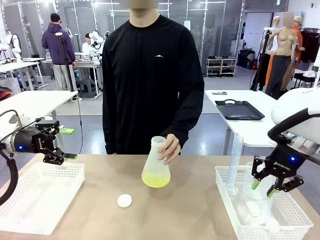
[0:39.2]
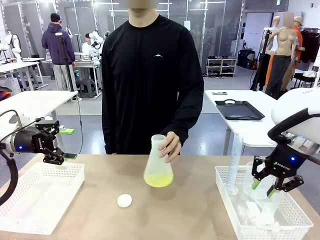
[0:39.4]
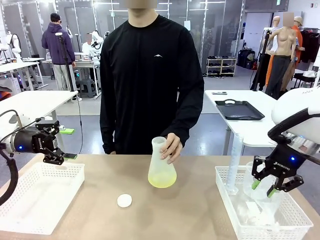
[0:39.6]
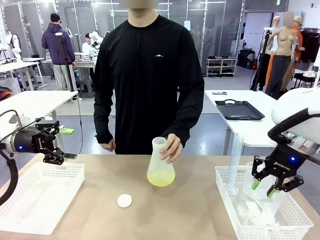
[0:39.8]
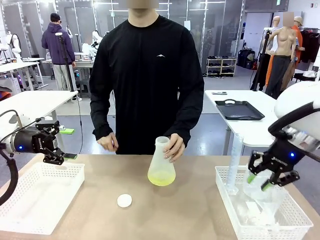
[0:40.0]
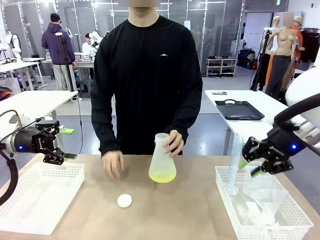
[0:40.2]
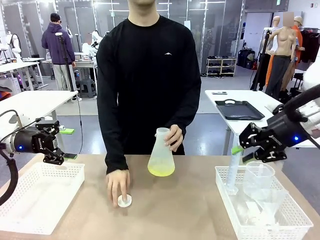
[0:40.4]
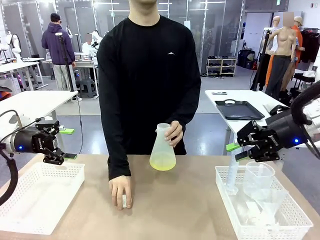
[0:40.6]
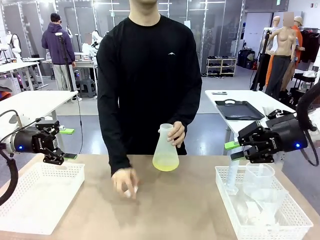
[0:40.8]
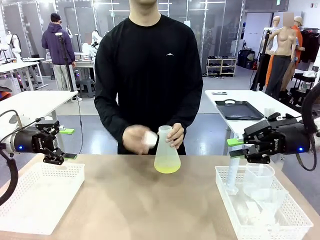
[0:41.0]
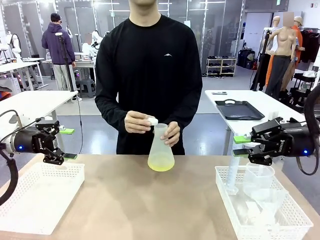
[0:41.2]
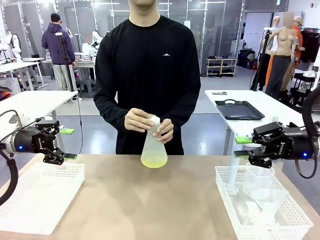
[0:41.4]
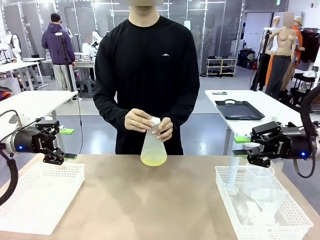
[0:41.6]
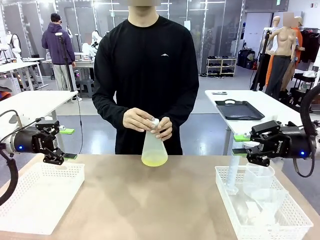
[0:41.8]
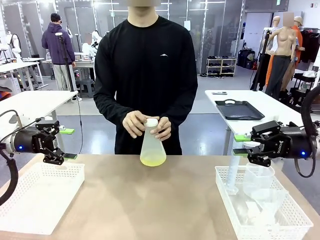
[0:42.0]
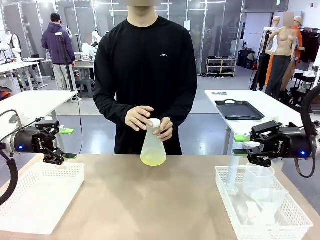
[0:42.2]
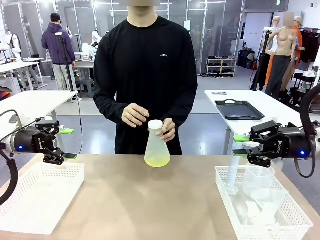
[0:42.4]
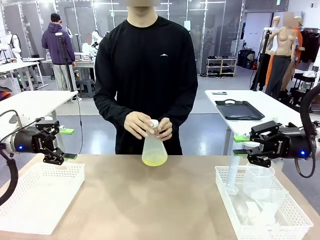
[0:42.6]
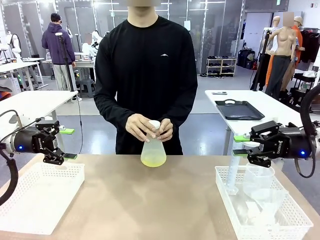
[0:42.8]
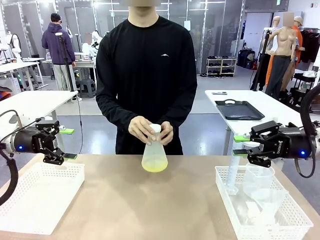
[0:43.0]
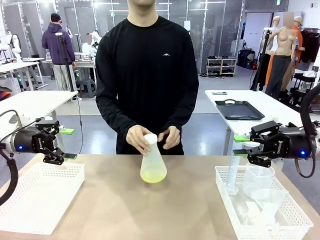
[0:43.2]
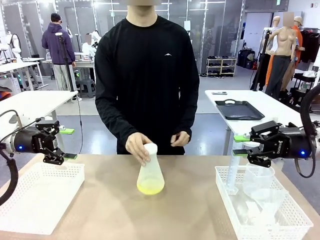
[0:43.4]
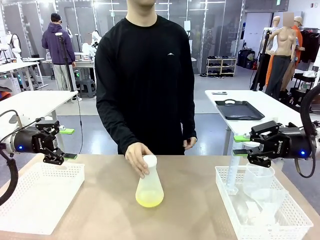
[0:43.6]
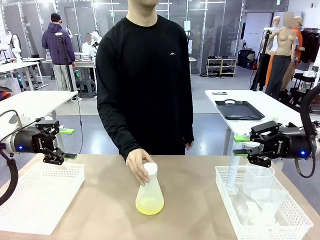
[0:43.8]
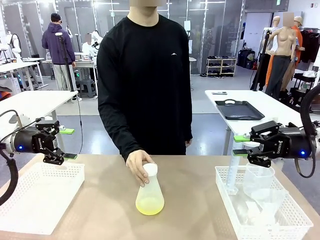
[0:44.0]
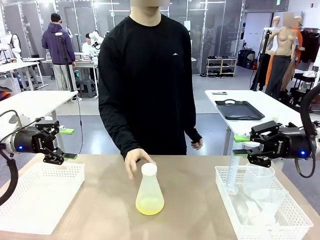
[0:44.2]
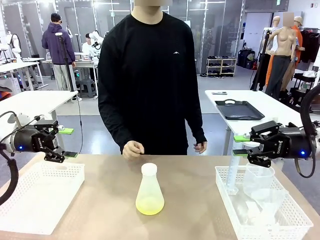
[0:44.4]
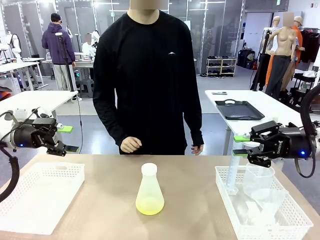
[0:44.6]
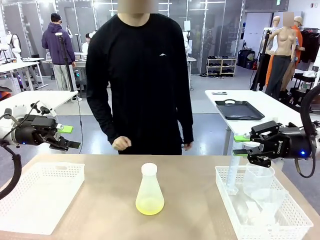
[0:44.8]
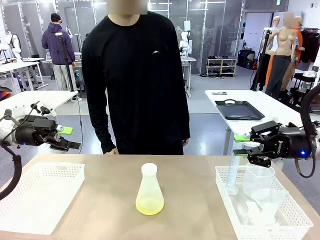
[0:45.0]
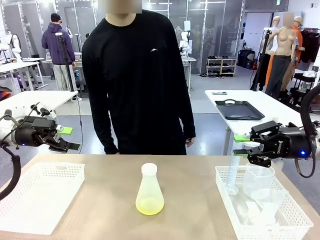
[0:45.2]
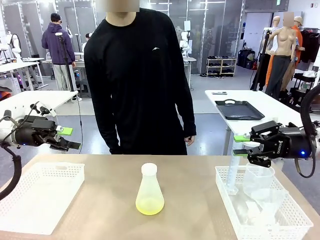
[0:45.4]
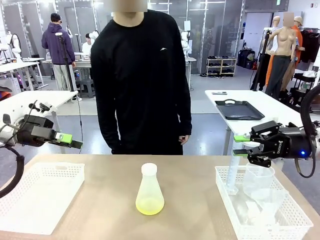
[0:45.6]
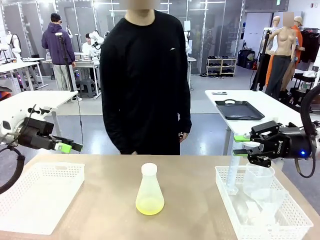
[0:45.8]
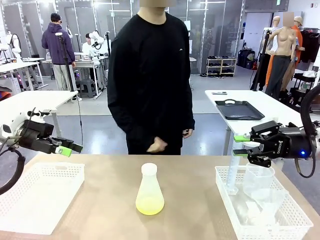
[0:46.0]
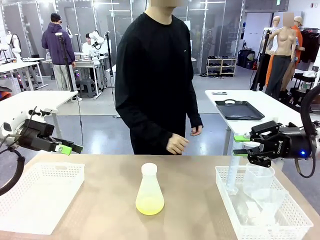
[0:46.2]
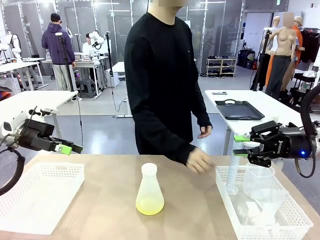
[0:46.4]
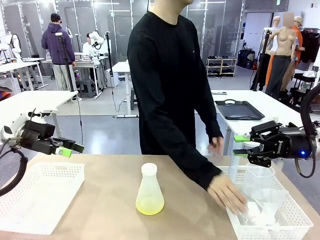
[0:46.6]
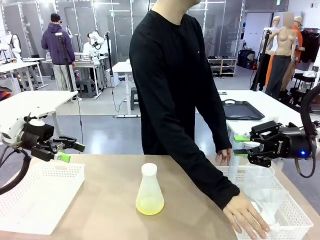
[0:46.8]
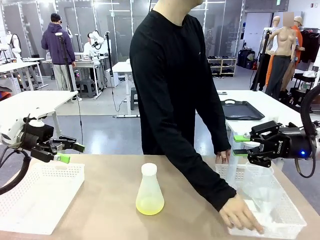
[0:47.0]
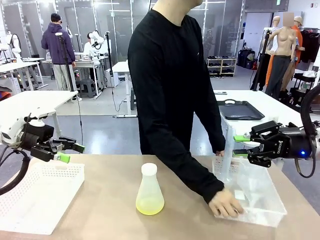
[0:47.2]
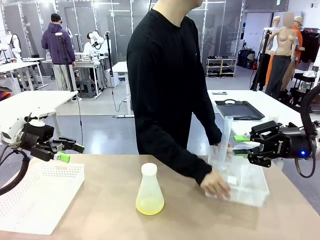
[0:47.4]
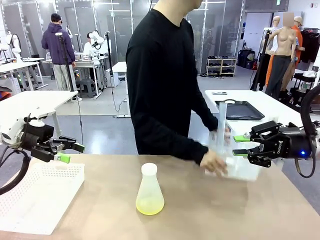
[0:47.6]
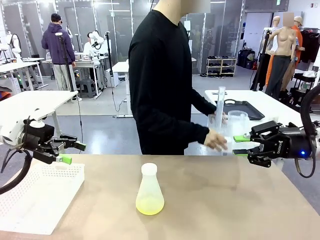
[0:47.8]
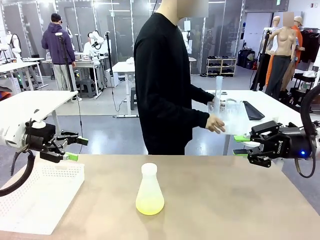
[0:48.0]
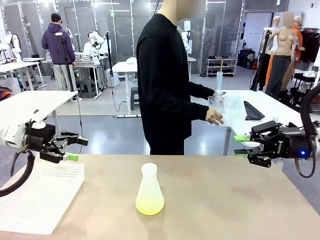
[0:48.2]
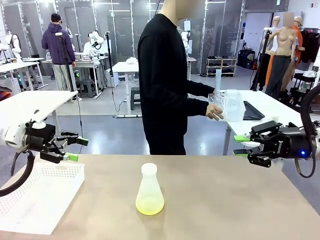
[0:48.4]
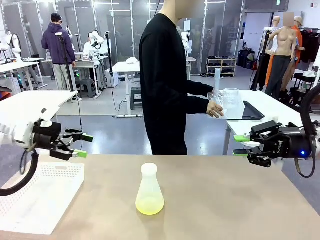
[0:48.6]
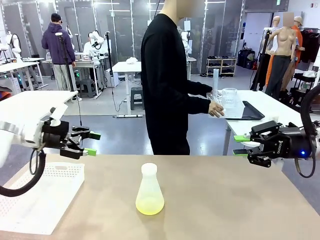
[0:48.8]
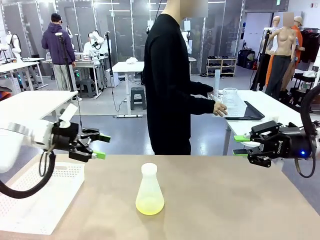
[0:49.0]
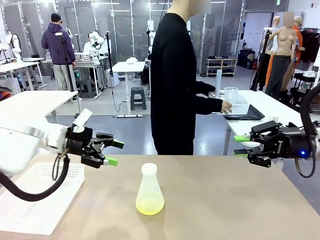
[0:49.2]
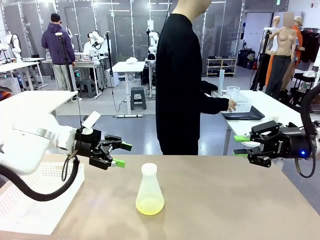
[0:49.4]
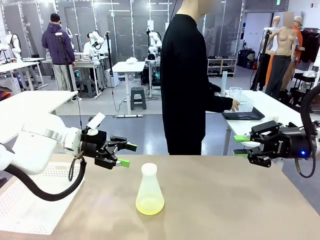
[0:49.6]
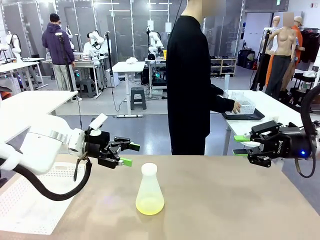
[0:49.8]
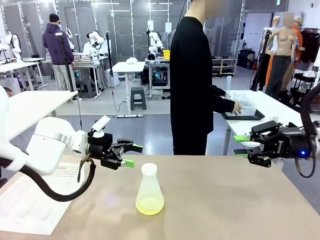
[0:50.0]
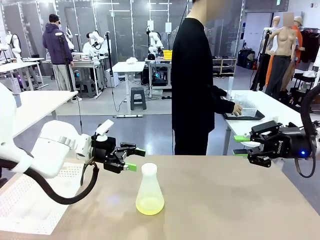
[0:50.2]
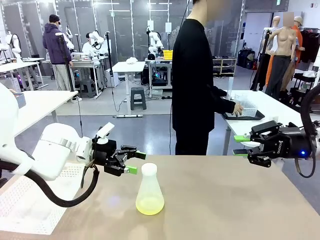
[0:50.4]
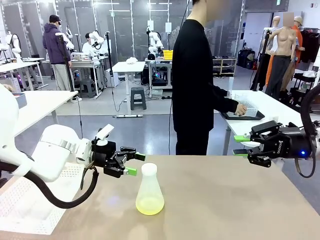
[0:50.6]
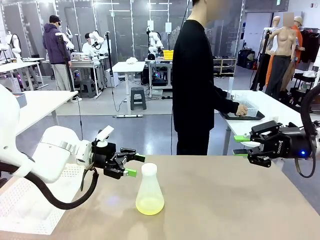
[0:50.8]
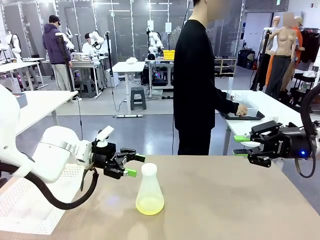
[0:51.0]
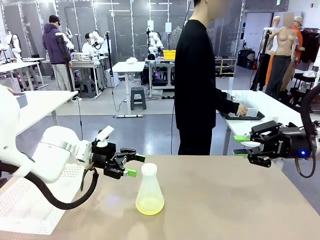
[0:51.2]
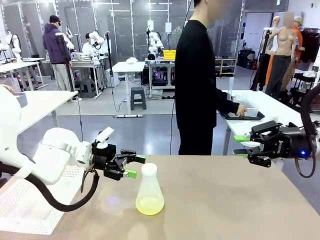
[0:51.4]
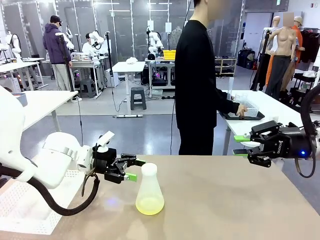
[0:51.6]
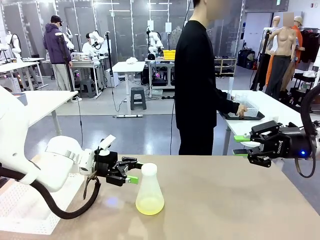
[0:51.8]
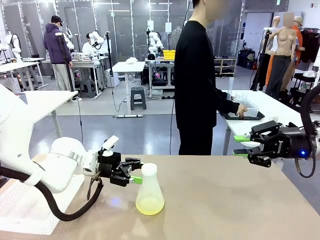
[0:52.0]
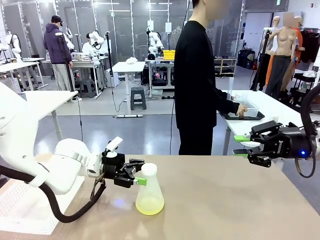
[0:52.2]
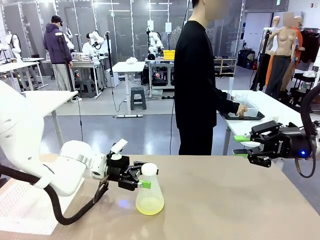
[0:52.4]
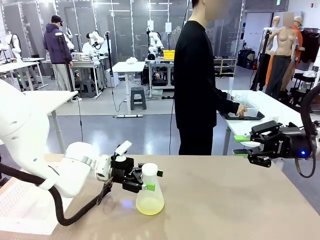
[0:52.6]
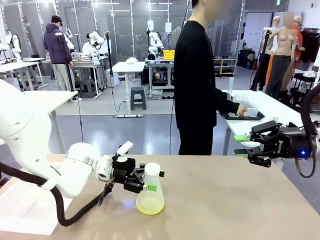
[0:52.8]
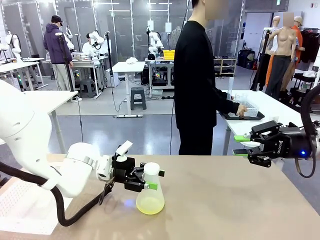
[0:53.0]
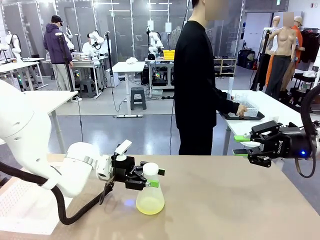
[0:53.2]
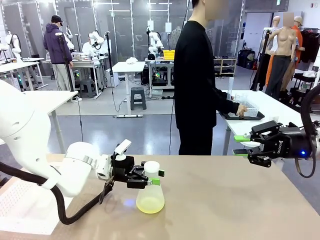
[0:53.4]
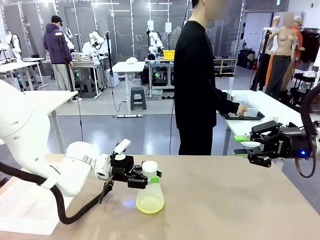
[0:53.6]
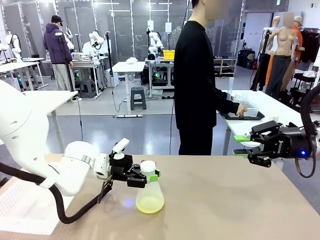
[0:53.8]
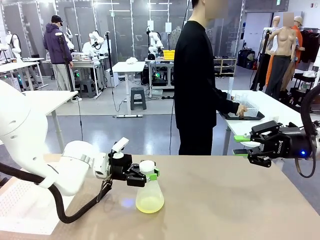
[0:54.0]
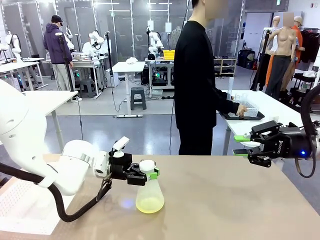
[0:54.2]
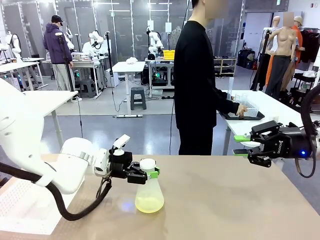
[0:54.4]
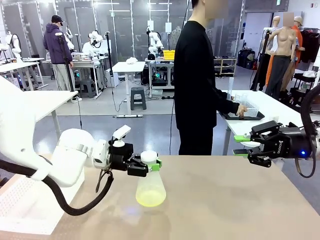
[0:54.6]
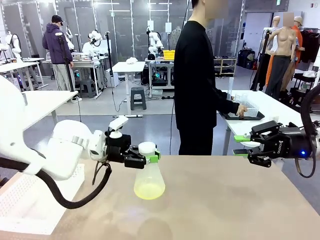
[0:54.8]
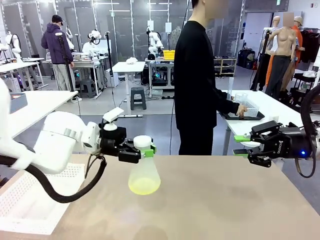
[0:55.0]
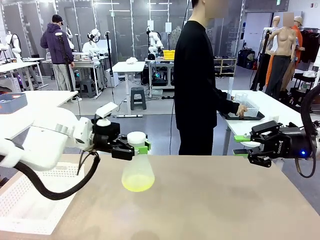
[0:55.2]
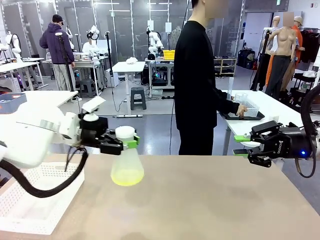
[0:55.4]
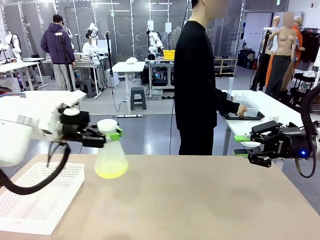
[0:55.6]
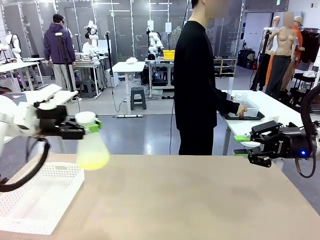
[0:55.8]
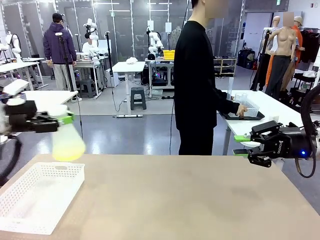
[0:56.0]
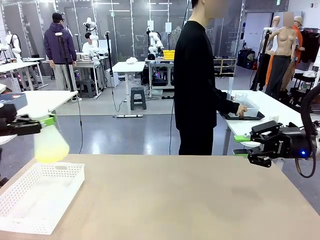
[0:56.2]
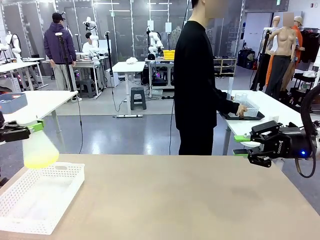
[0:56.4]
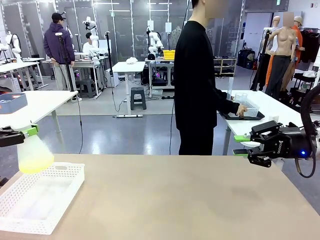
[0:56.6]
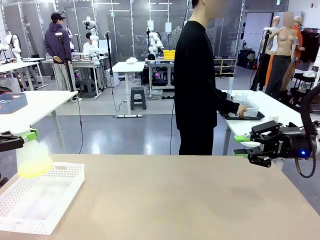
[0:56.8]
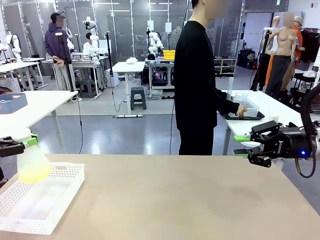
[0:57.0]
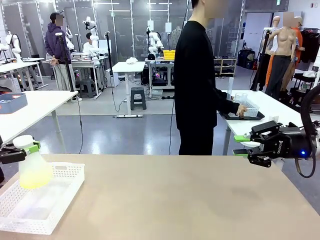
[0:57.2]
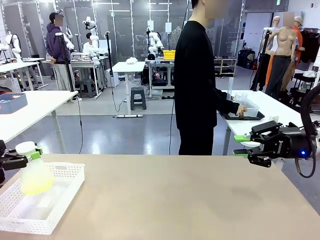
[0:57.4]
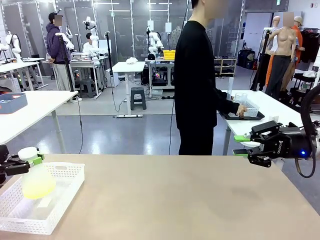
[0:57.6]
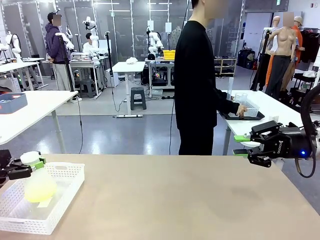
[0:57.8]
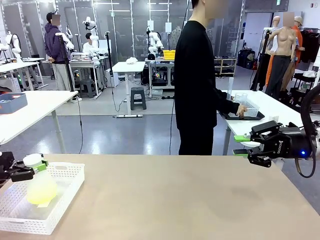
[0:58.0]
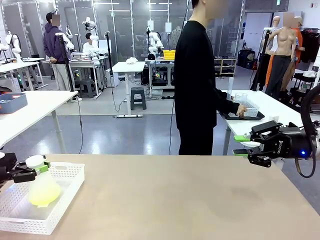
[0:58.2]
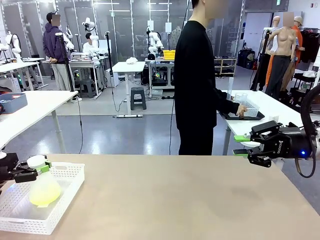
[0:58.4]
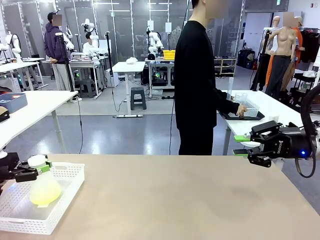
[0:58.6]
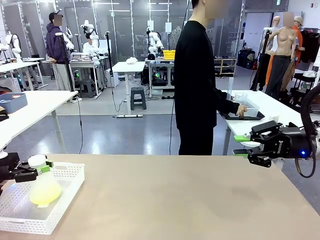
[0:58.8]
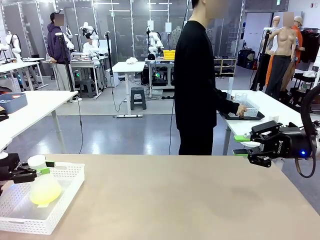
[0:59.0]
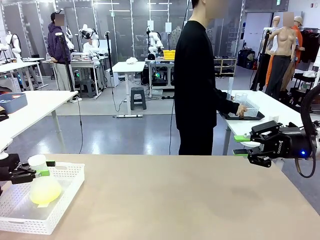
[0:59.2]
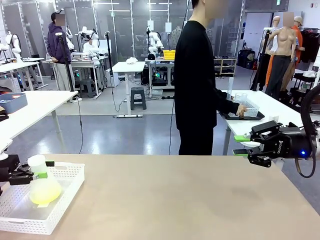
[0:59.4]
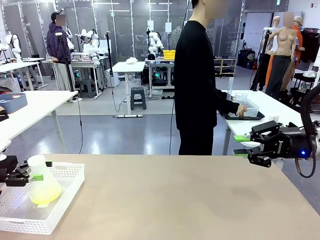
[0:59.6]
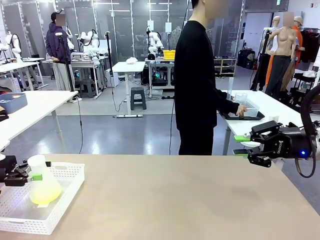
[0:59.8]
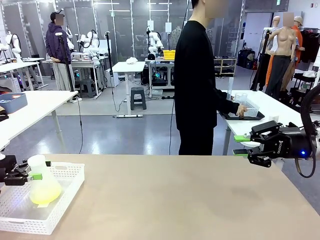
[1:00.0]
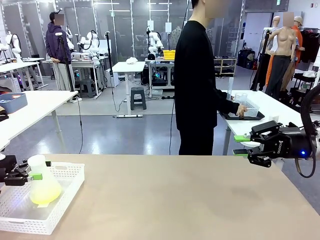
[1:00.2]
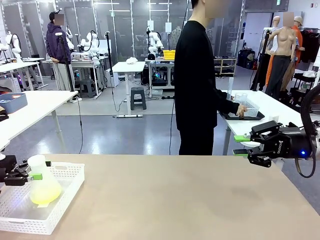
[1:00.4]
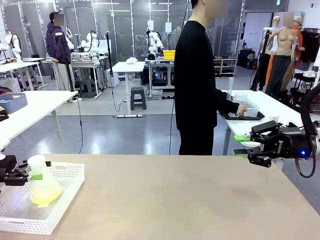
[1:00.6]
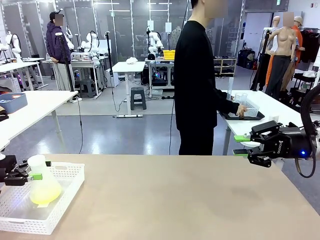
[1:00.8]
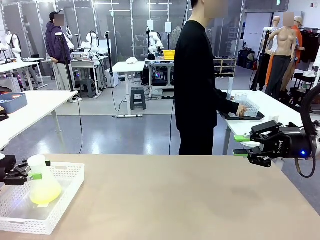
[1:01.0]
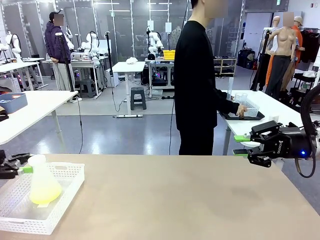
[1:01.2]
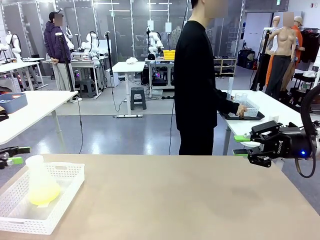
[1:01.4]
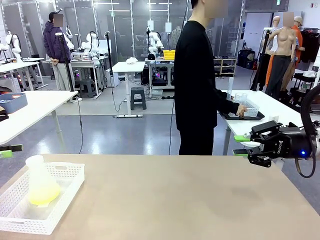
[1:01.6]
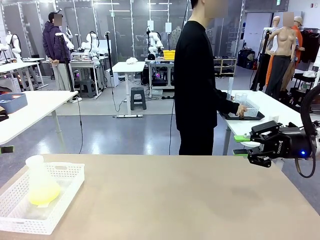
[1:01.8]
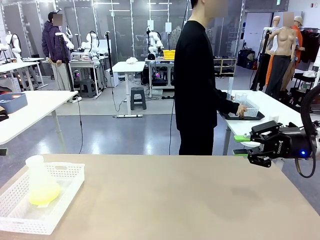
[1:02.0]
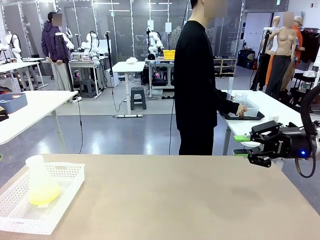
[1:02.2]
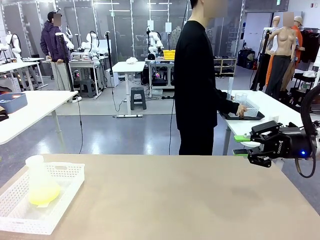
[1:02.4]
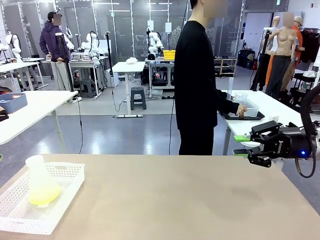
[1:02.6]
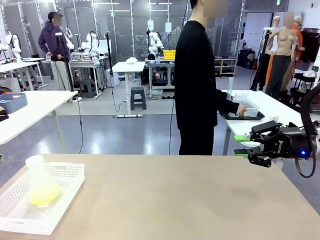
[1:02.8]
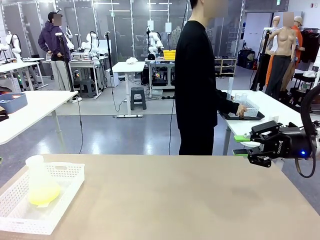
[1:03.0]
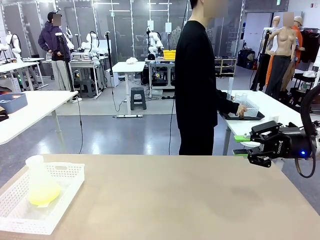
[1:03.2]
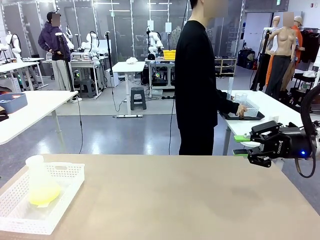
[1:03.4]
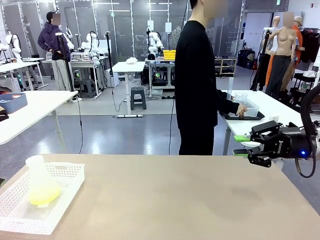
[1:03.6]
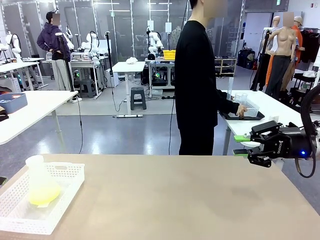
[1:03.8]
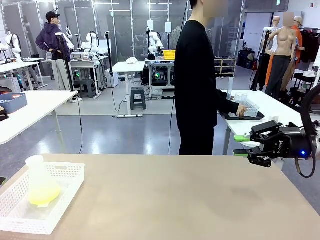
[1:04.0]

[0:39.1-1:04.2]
Task: Prepare the solutions needed for the experiment.
Robot: When the human places the Big flask in the center of the table, pick up the Big flask and place it in the left Organizing basket.
Person: Pick up the organizing basket on the left side of the robot table and place it on the left side of the human table.
